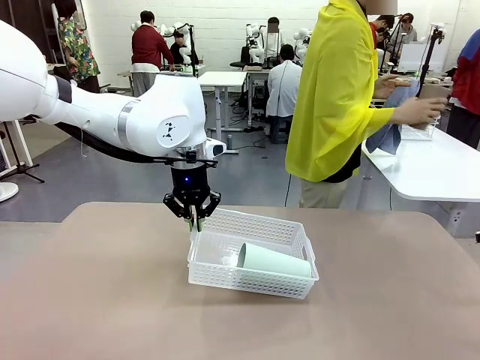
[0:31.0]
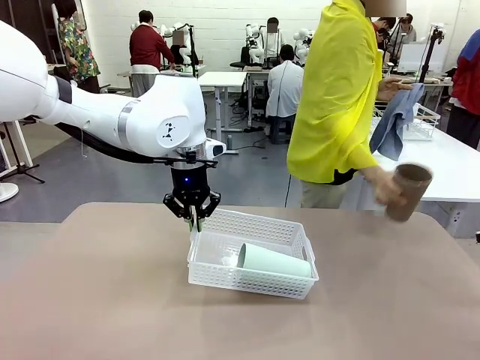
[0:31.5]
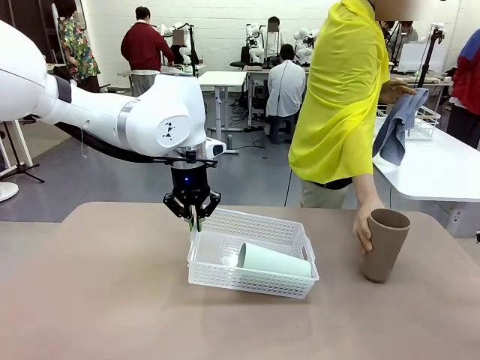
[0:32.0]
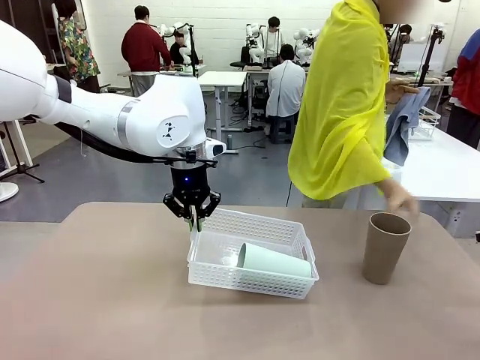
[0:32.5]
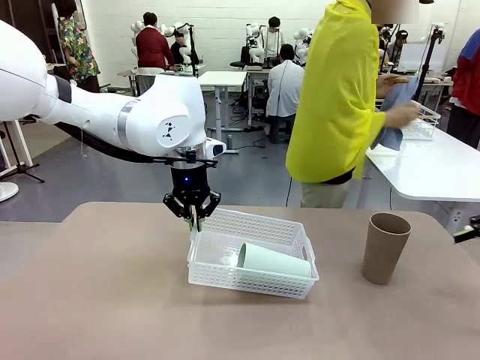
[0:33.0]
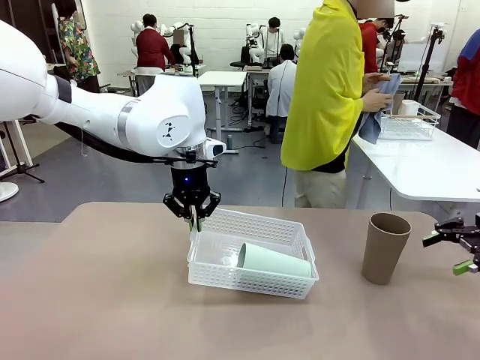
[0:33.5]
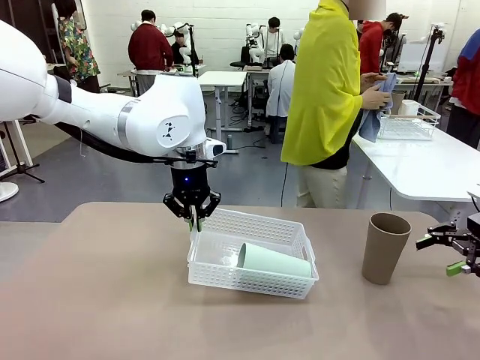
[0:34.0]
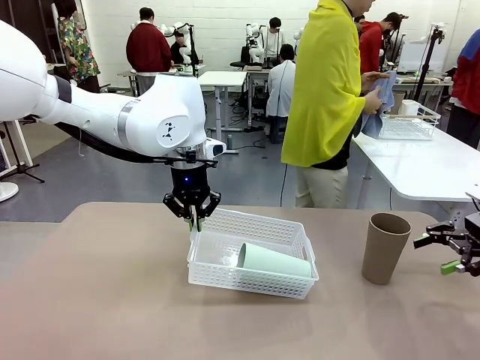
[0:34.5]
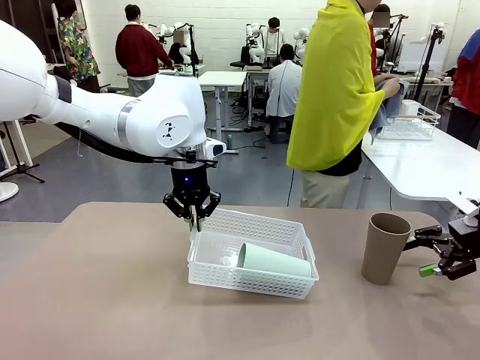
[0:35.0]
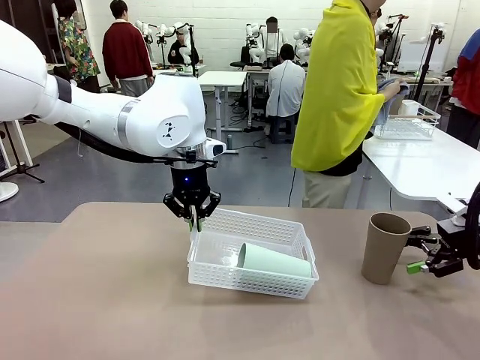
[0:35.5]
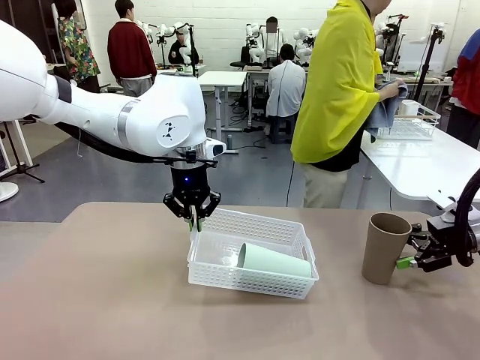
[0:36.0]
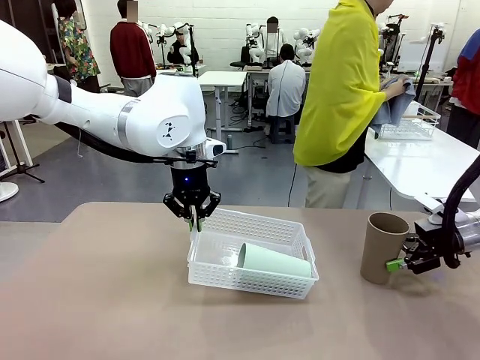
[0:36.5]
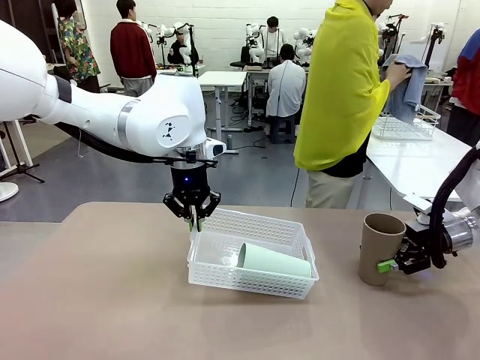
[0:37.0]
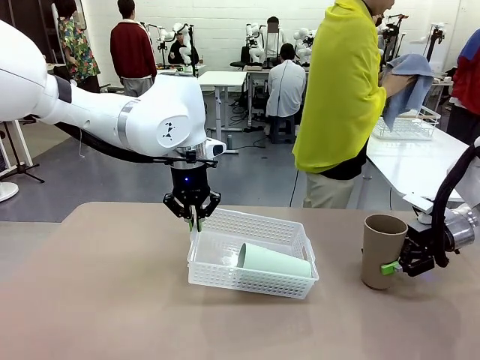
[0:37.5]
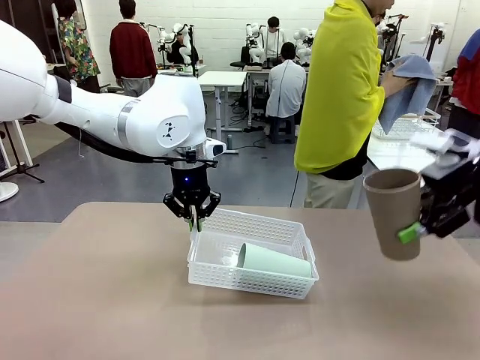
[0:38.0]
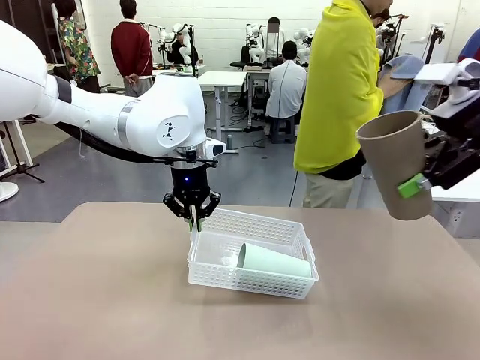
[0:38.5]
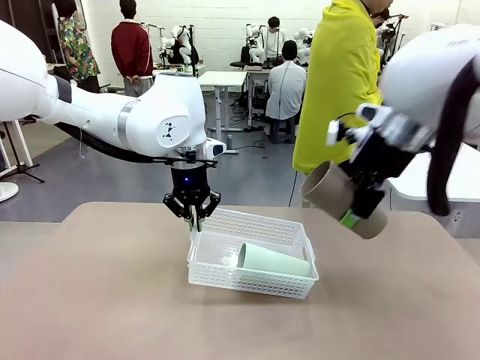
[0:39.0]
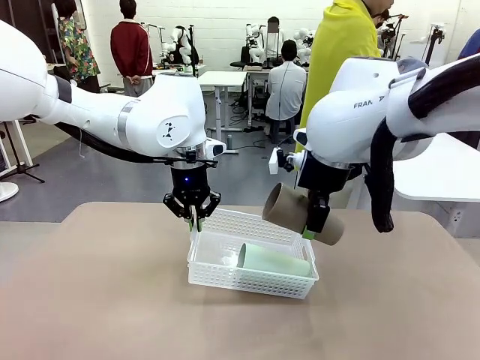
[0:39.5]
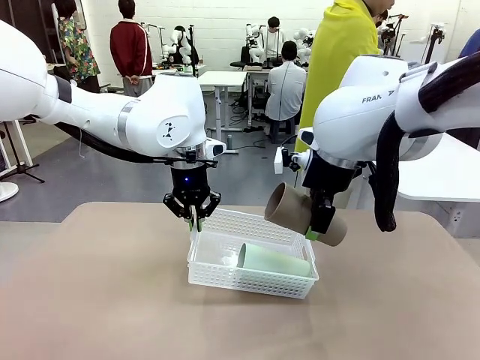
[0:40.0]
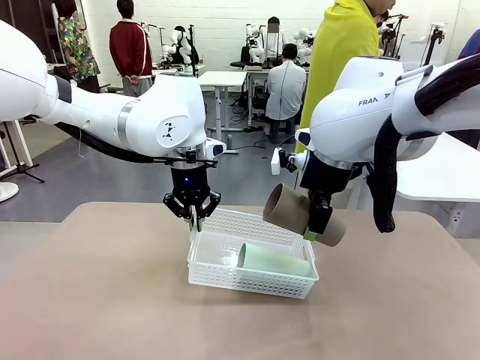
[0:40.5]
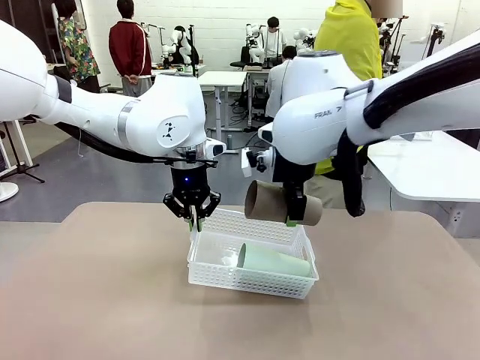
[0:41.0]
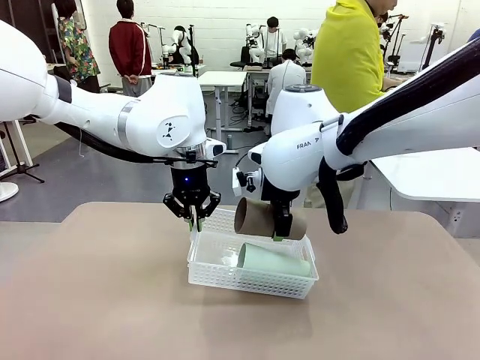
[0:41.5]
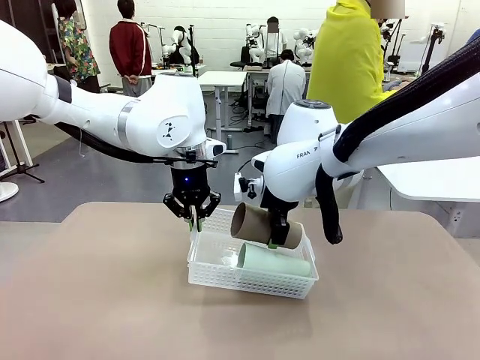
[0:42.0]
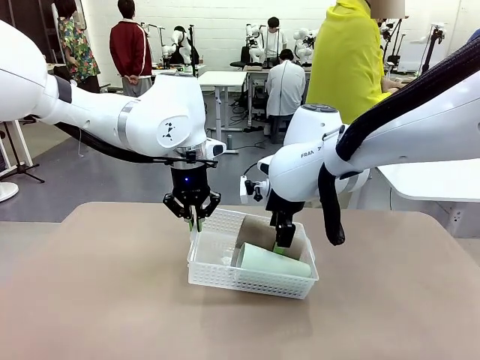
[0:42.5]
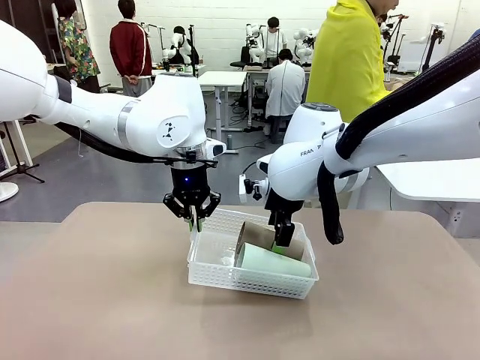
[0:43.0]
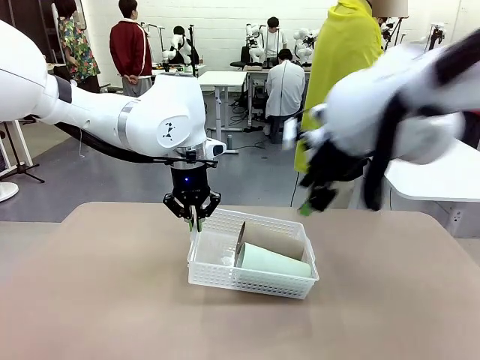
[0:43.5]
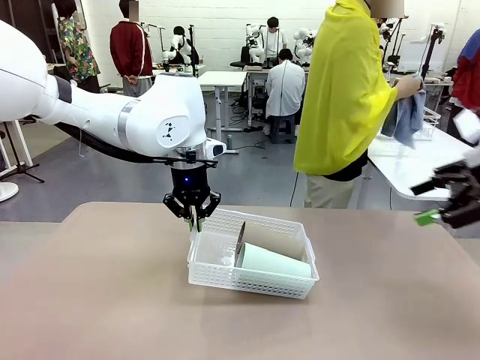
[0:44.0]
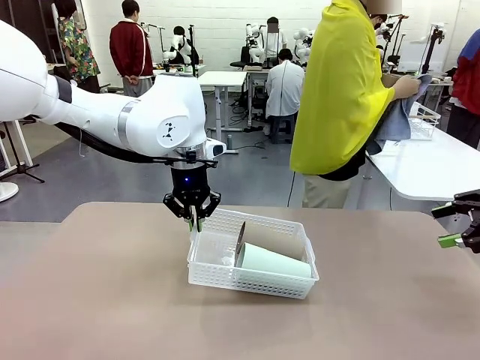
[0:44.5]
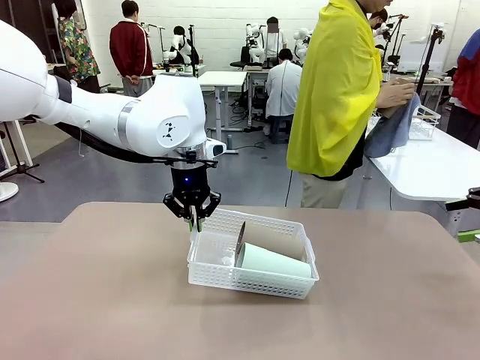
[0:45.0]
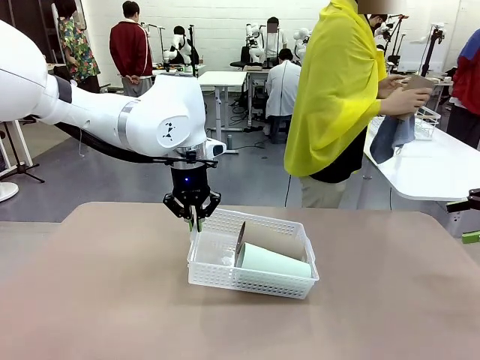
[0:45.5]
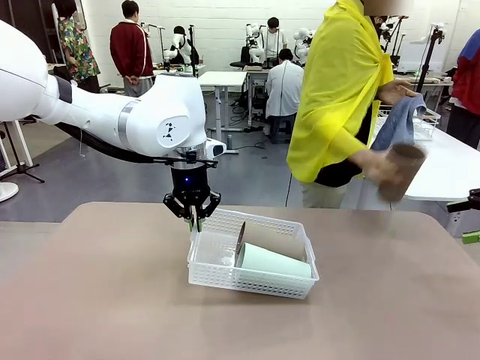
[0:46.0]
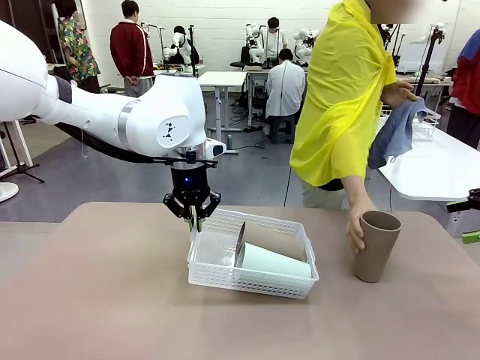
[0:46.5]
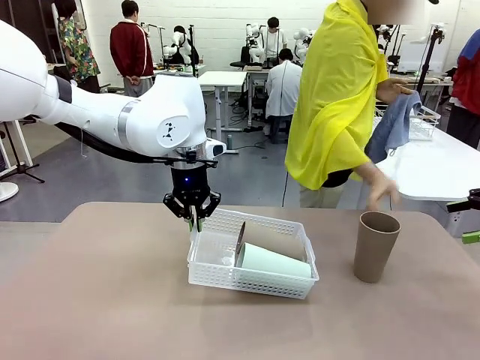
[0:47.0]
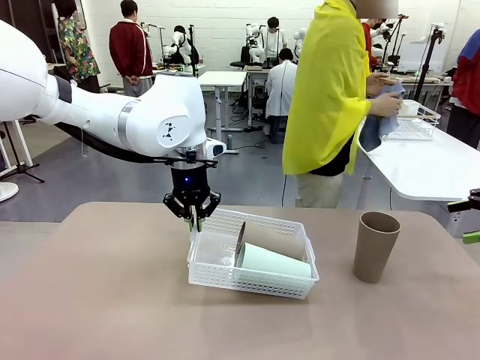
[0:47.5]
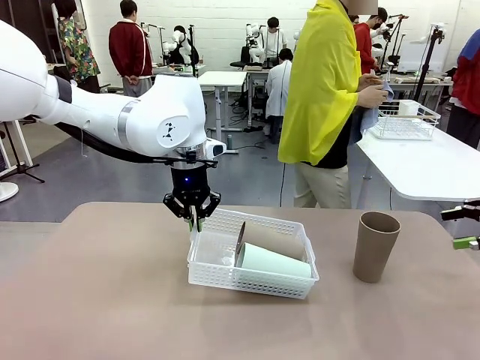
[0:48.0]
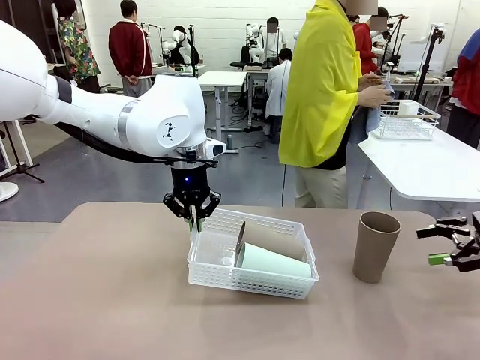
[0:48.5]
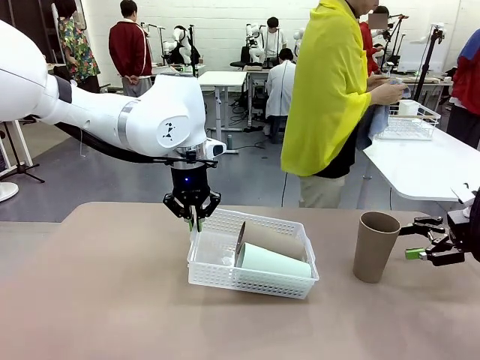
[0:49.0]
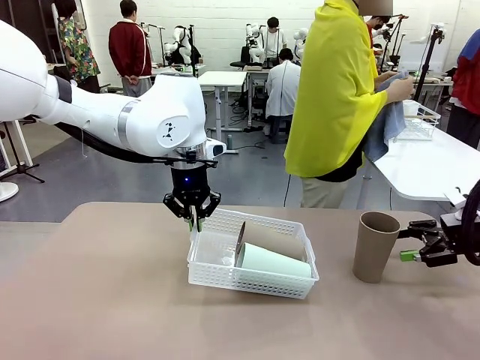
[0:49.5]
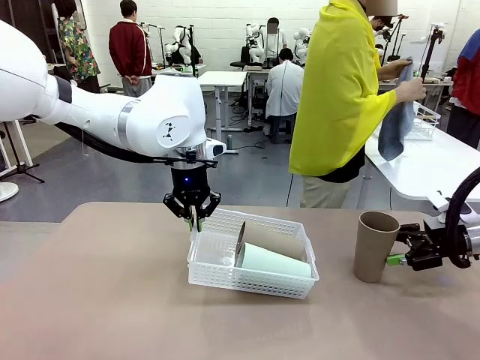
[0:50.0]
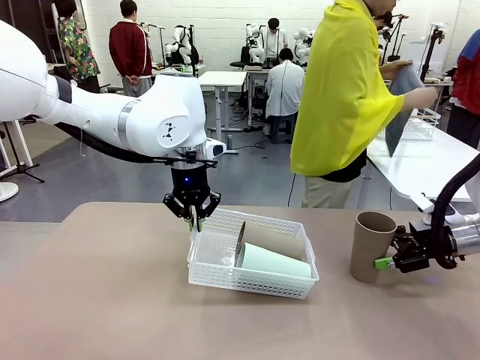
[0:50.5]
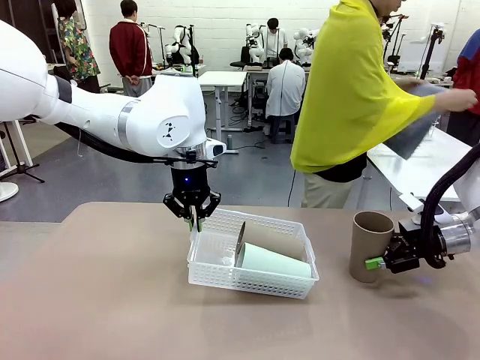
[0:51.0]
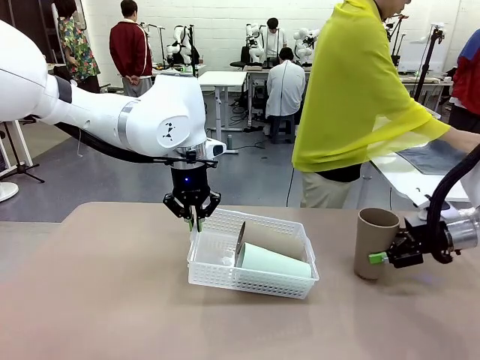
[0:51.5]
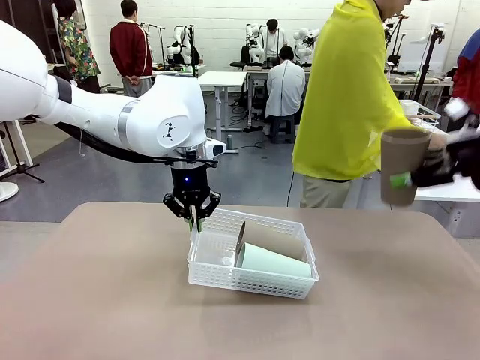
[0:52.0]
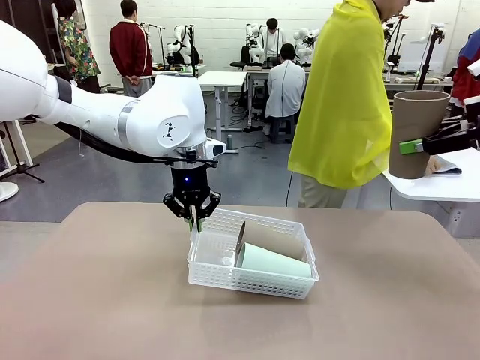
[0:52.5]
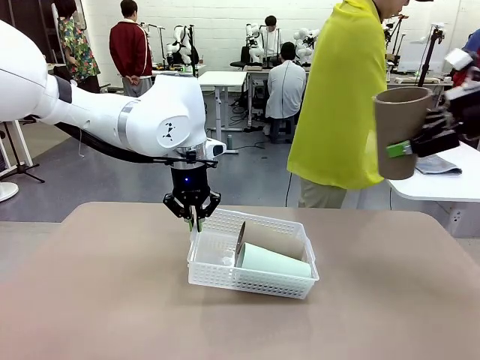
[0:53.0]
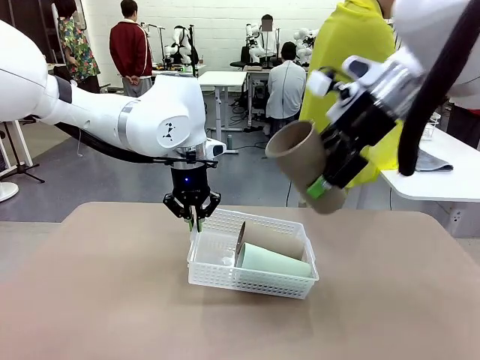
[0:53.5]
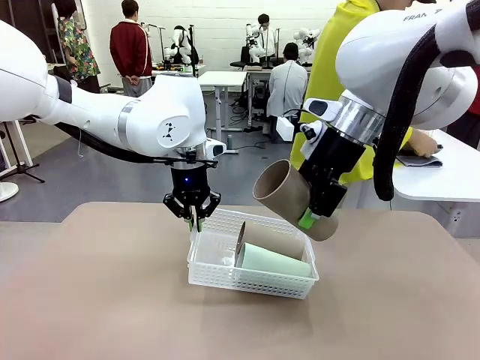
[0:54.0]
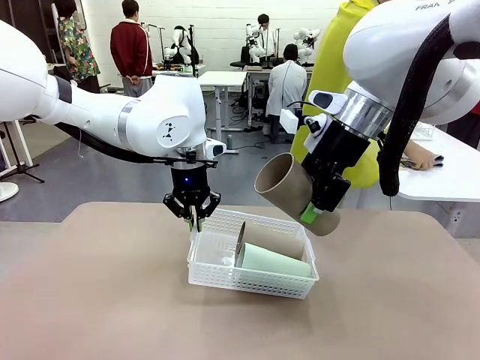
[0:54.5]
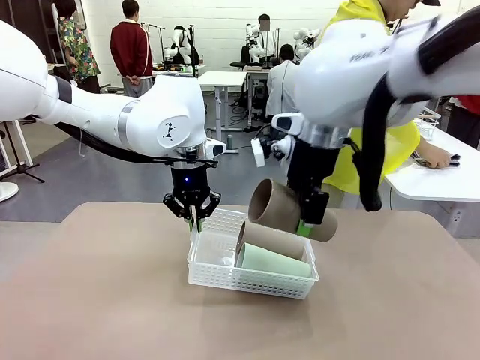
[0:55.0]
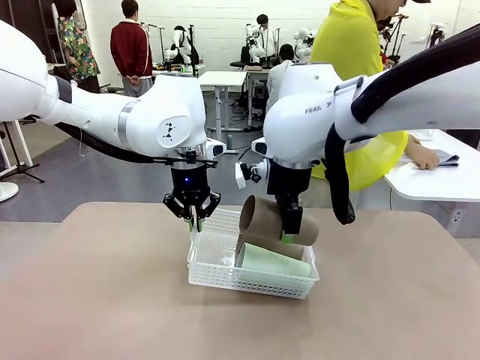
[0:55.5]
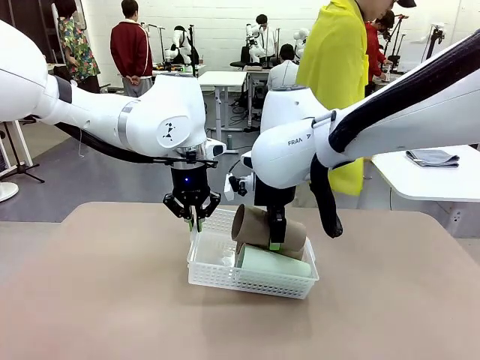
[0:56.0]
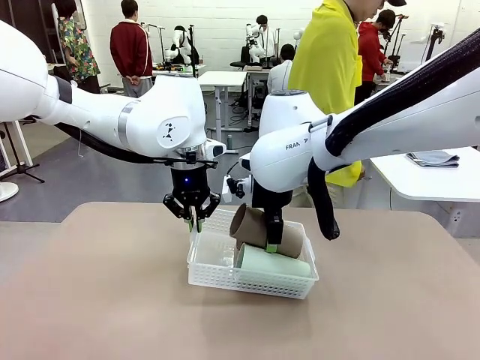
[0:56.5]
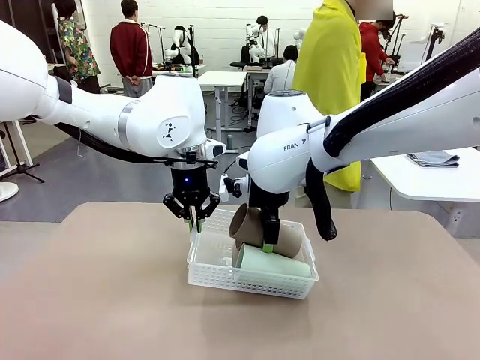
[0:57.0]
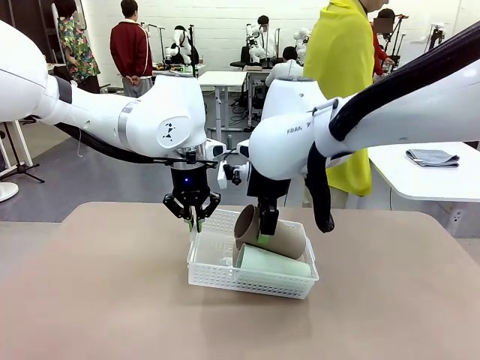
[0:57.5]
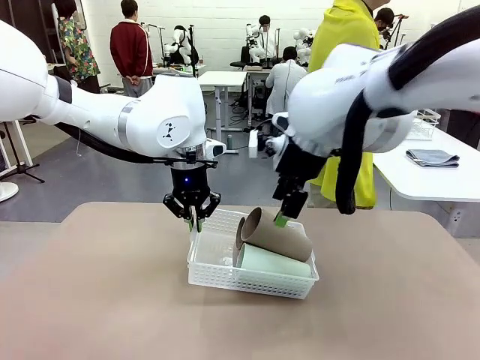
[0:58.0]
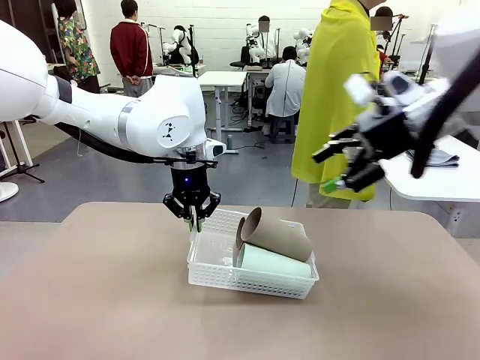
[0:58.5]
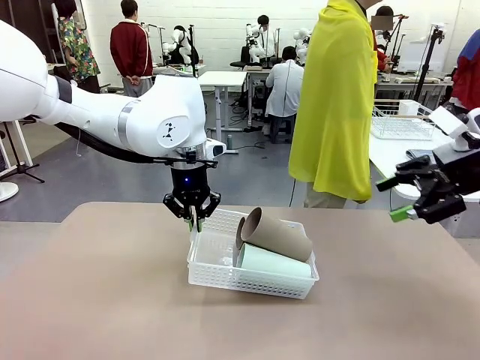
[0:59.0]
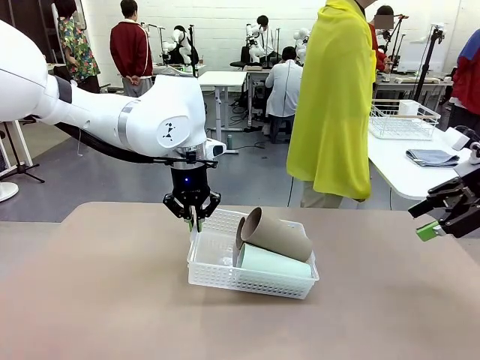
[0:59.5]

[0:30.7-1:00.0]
Task: Clean and organize the cups into the basket.
Robot: Pick up the Reusable plastic cup from the right side of the table and stack it inside the Organizing basket in the center of the table.
Person: Folds the towel in half twice and places it in the right of the table.
